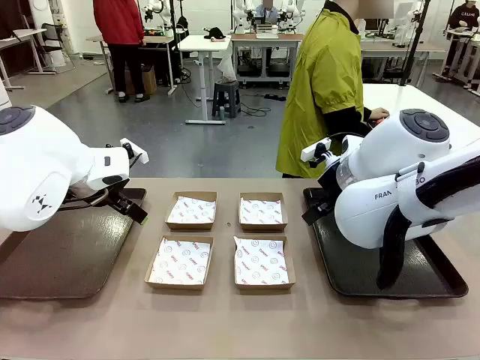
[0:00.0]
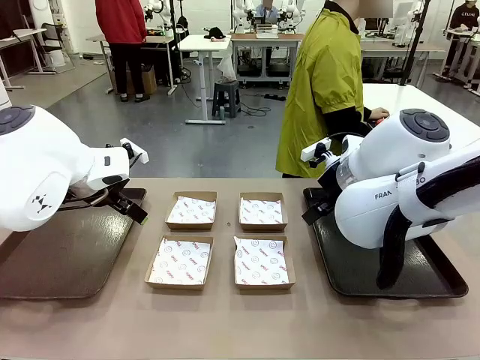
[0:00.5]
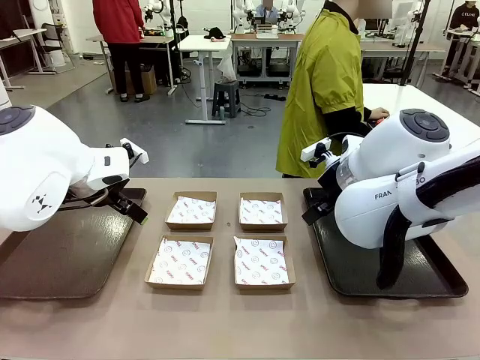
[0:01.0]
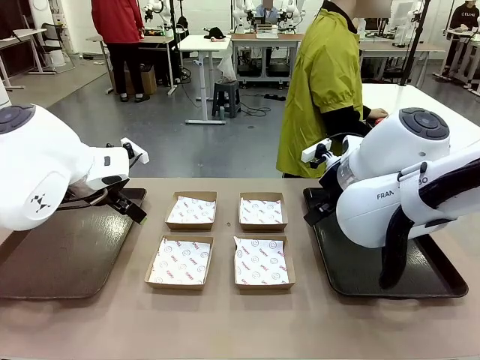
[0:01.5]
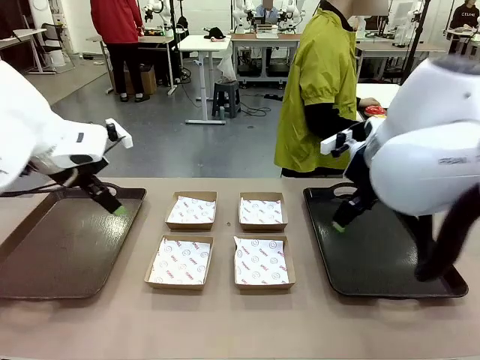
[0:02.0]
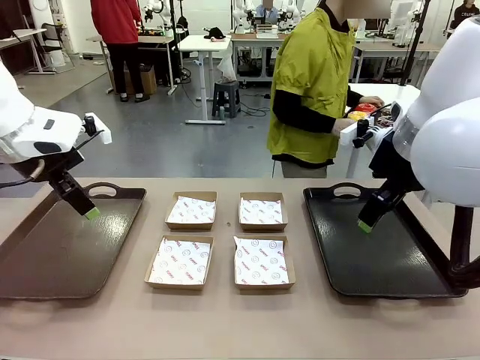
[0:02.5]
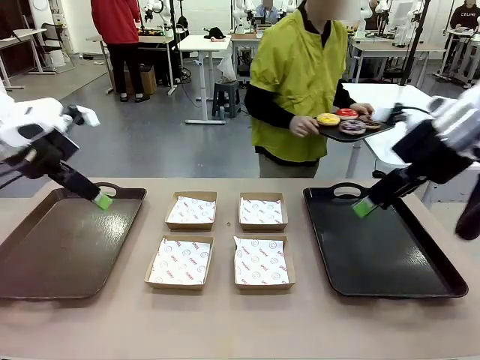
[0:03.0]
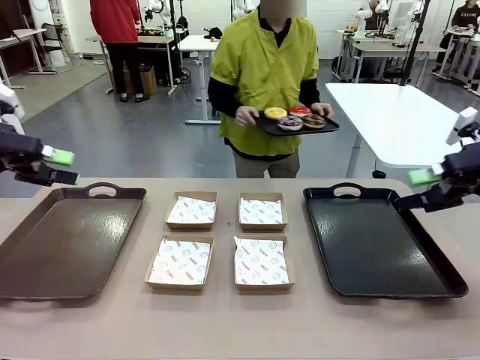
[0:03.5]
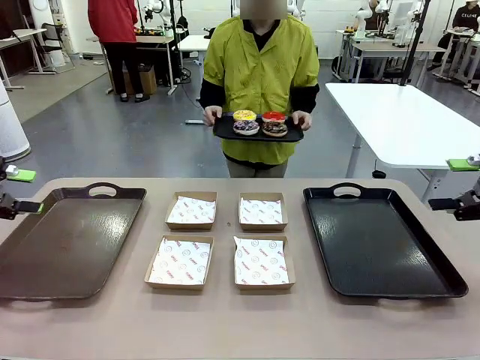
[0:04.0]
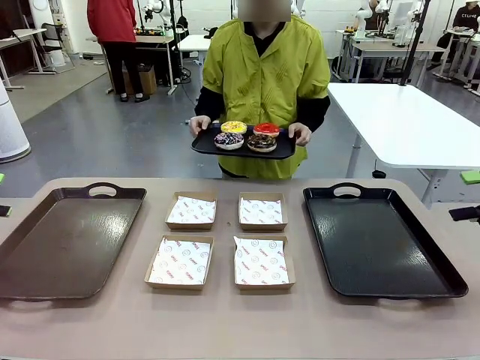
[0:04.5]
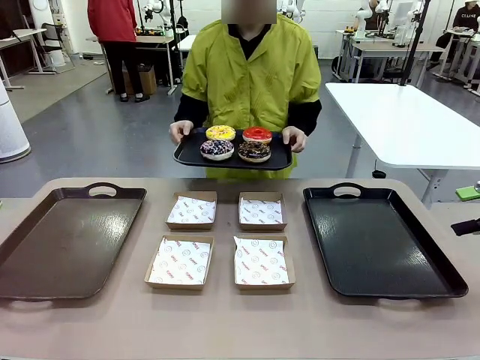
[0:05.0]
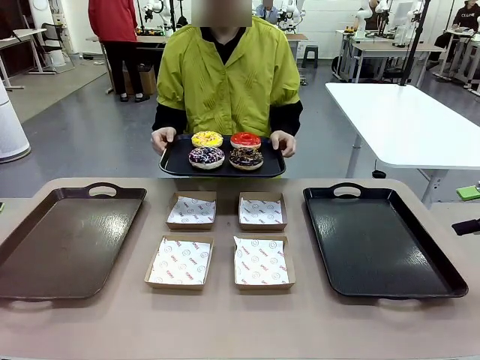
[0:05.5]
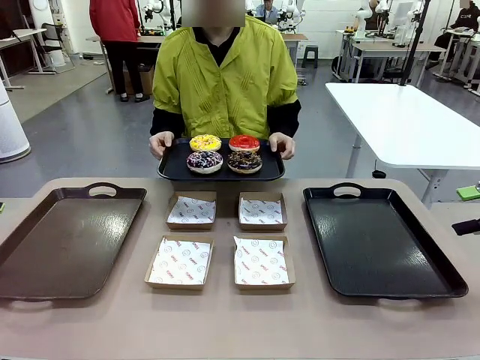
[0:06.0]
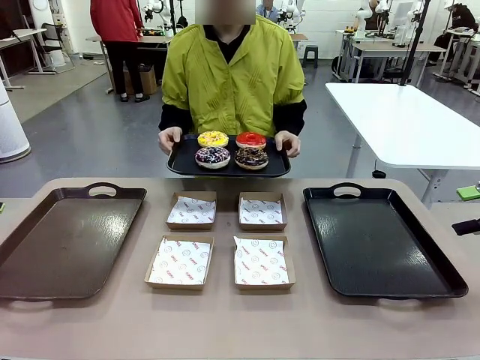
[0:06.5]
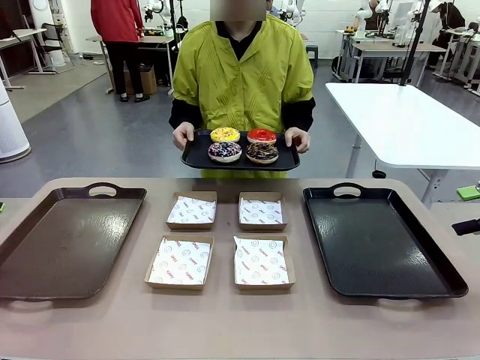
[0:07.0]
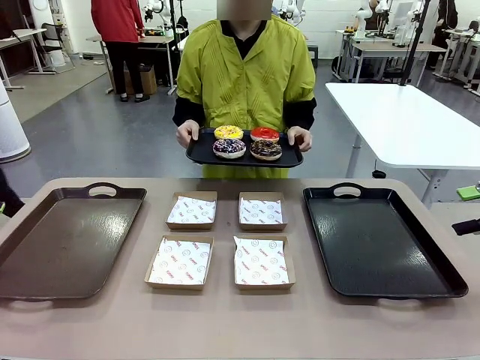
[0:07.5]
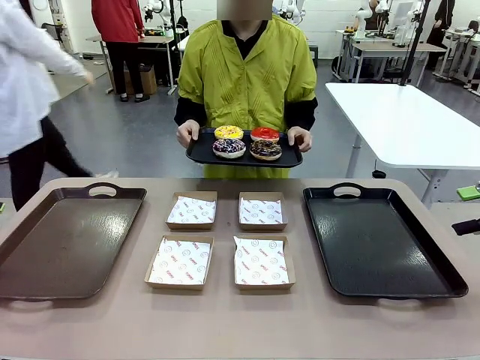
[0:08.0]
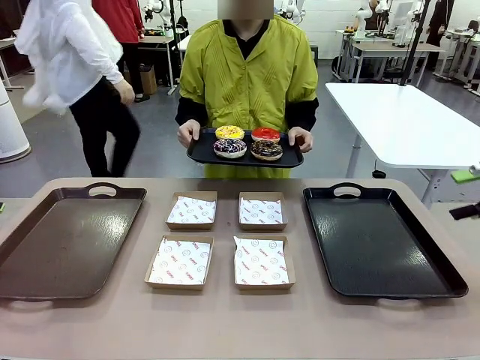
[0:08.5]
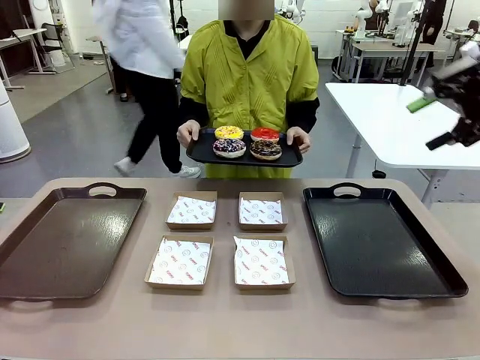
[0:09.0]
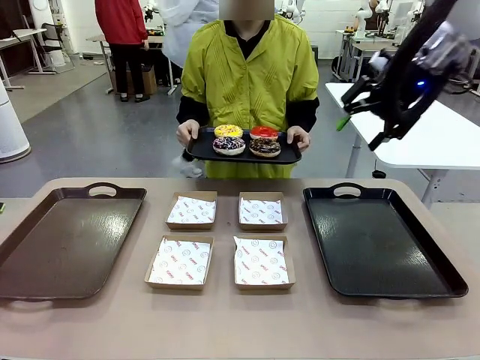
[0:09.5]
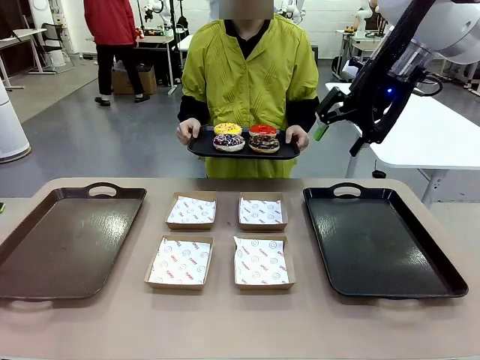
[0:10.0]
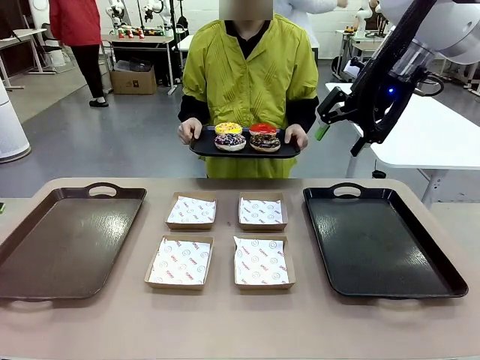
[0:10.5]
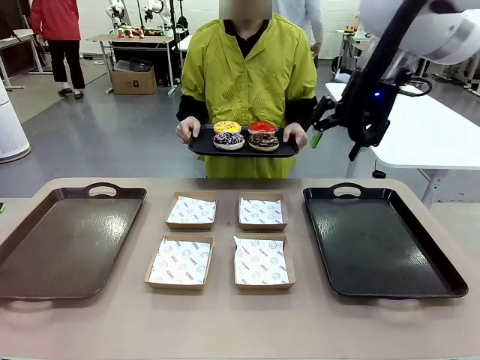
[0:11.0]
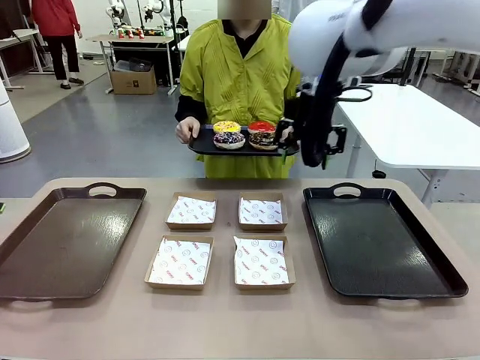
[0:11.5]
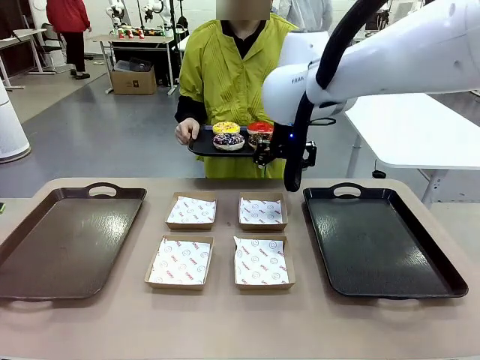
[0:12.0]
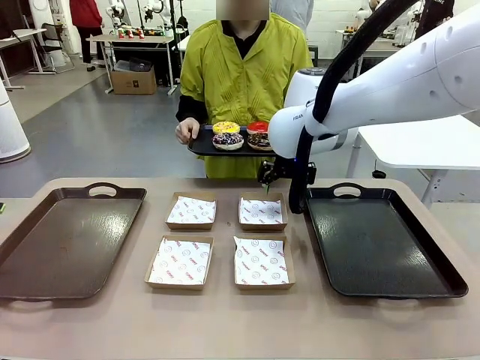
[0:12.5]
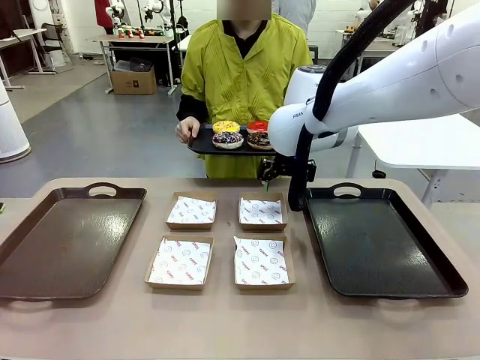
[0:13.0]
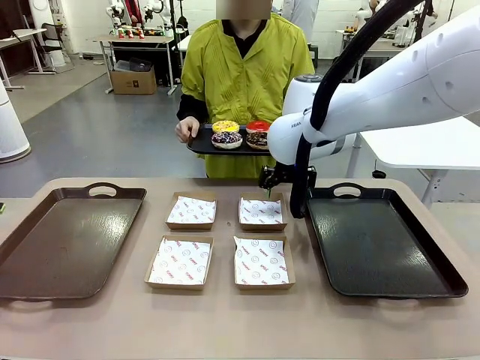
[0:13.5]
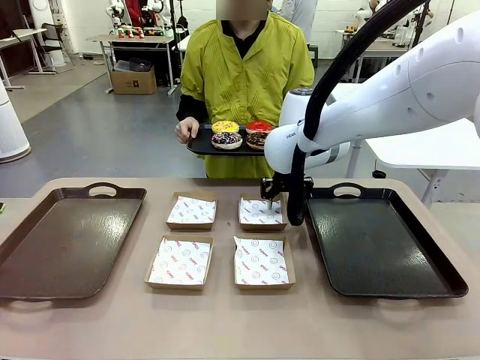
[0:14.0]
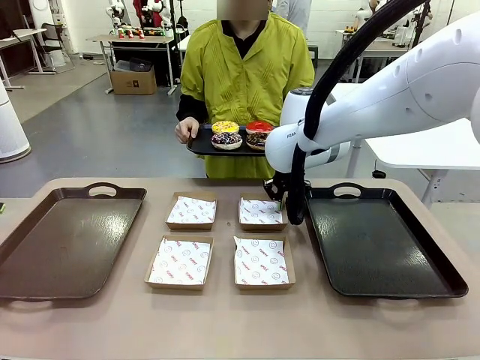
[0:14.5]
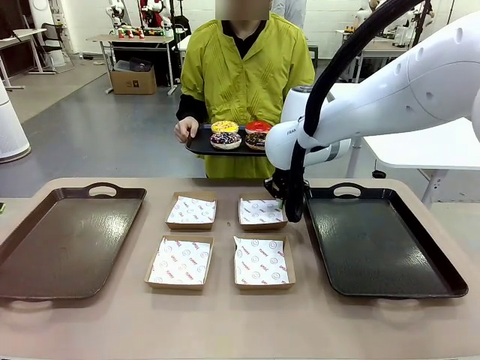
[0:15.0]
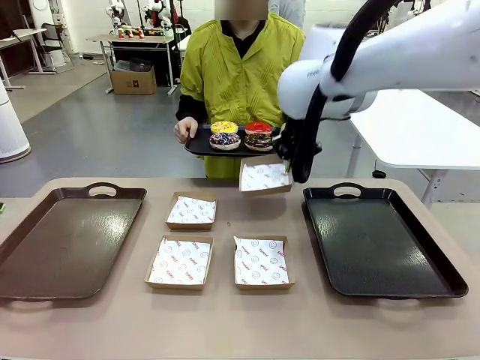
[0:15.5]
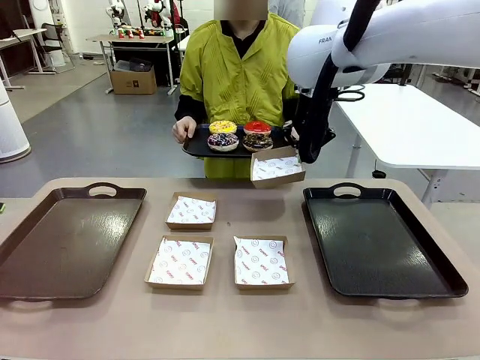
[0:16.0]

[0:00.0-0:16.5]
Task: Individually package the donuts and arrange them on the tray.
Robot: Pick up one Paper togo box.
Person: Stand in front of the robot table holding the tray containing the donuts.
